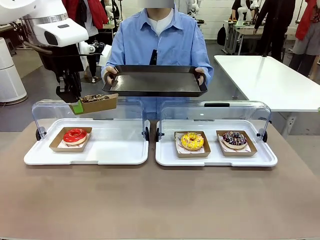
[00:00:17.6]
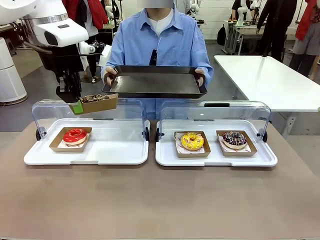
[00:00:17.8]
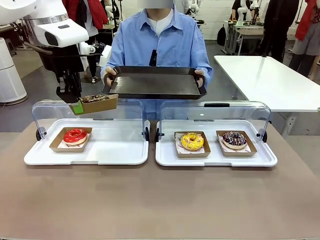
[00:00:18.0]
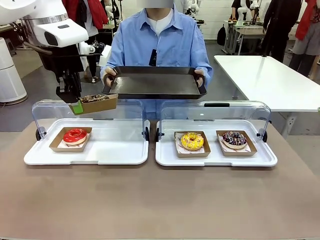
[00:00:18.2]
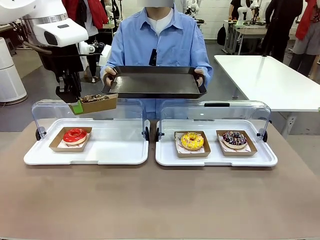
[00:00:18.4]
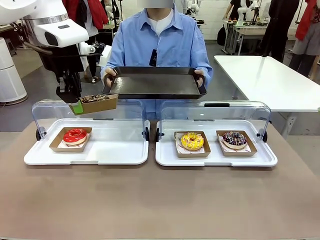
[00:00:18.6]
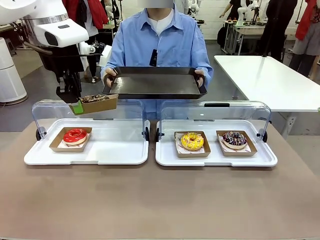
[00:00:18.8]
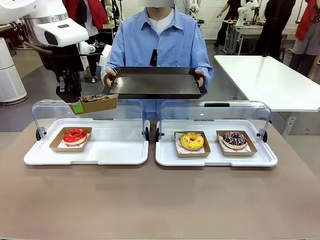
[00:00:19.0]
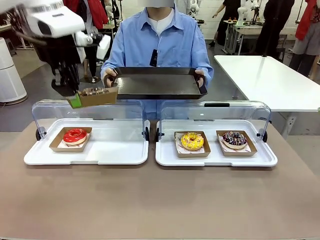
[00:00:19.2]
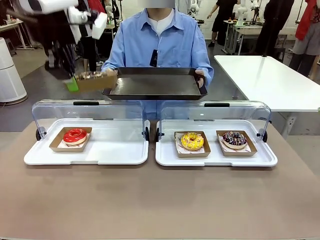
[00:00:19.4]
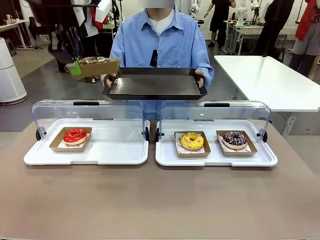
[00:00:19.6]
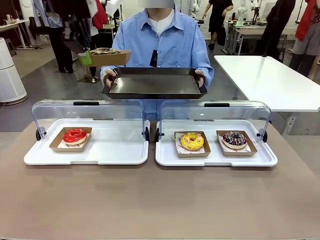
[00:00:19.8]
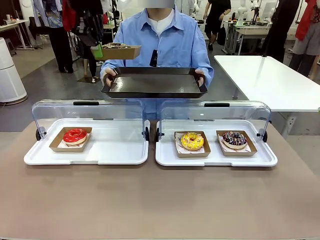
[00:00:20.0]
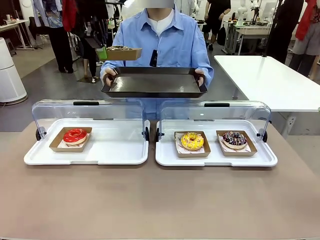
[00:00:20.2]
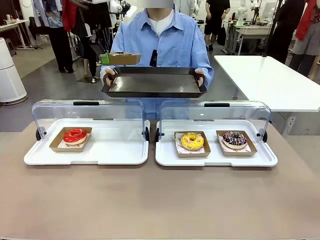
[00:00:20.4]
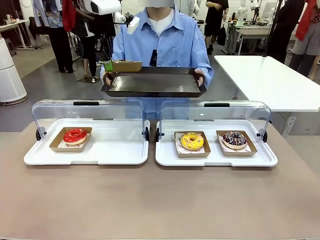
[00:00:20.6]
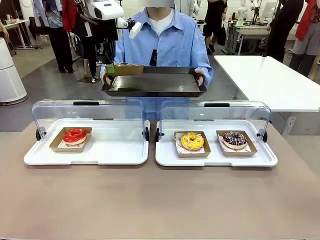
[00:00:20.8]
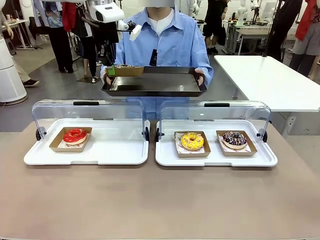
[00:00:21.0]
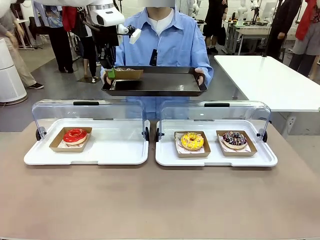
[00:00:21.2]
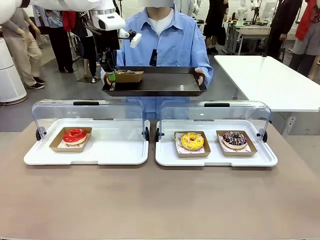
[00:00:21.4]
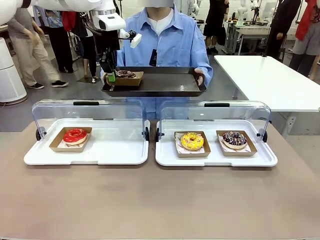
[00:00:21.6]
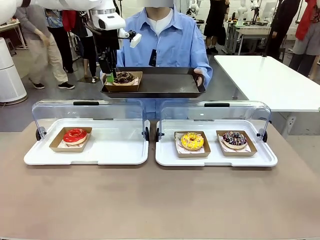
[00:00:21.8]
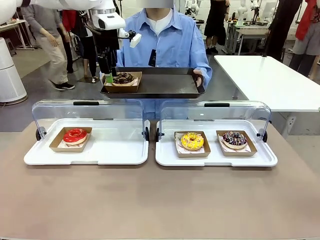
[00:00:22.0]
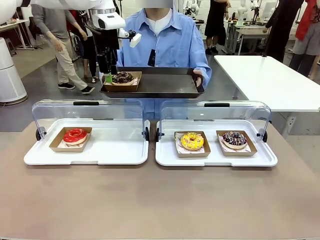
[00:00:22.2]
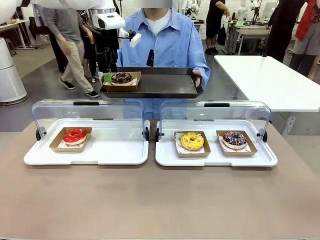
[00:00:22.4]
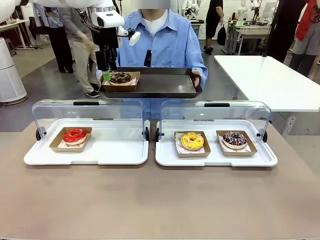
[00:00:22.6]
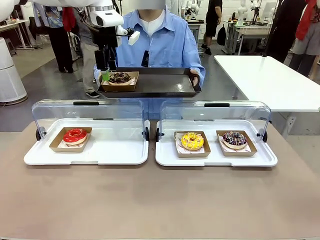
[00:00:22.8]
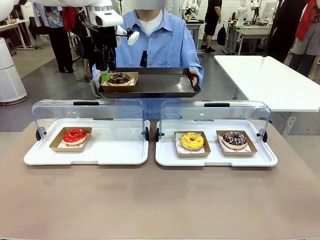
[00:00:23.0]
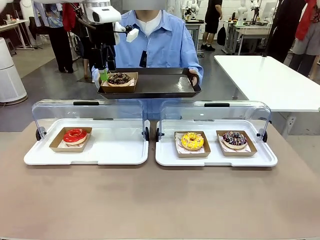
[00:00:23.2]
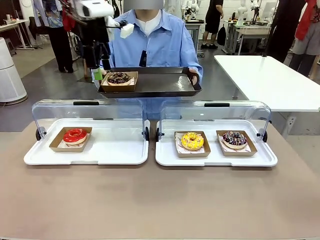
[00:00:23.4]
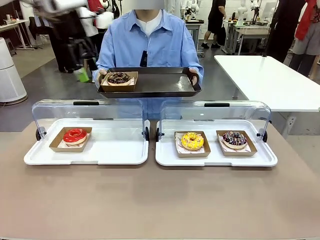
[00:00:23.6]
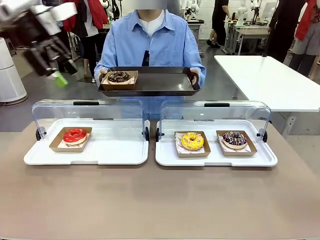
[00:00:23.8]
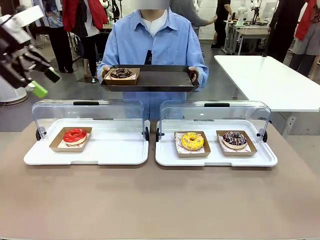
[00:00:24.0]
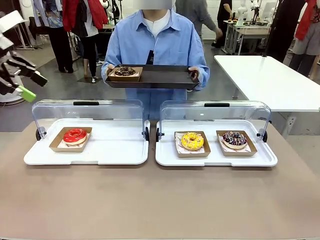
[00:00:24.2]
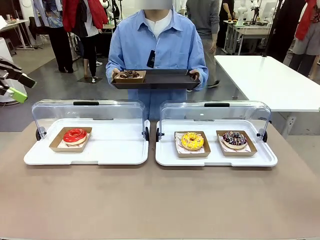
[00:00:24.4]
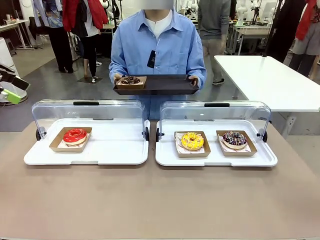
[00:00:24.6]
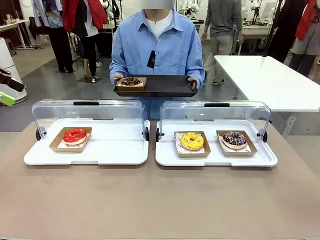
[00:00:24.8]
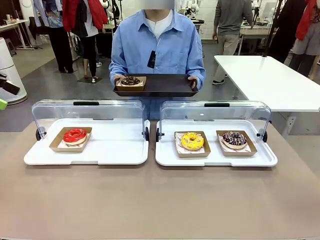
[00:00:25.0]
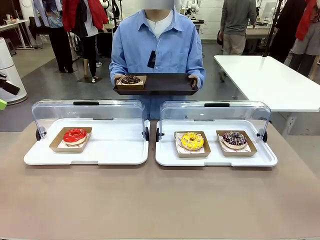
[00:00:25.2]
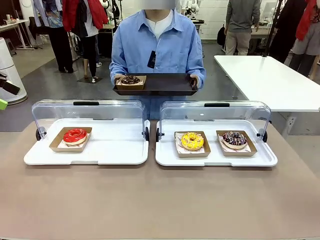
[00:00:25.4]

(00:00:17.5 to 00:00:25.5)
Task: Provide the desired donut to the person.
Robot: Place the picked Paper togo box onto the Handle tray extended by the person.

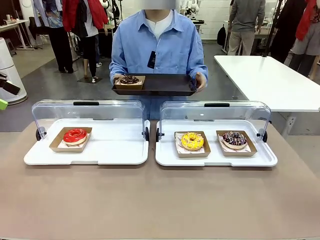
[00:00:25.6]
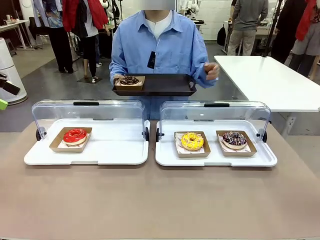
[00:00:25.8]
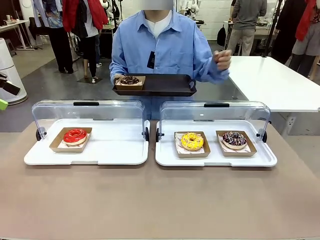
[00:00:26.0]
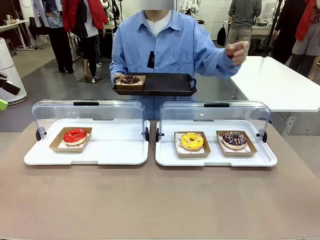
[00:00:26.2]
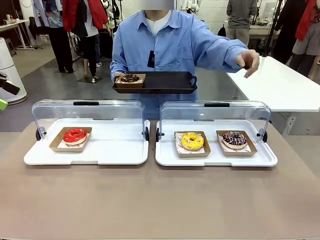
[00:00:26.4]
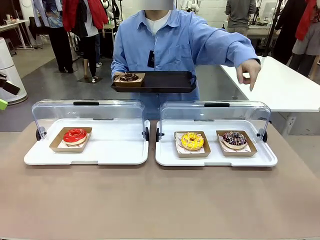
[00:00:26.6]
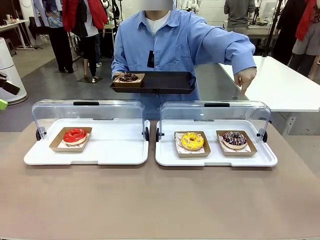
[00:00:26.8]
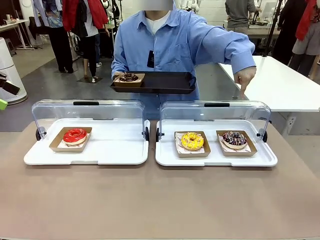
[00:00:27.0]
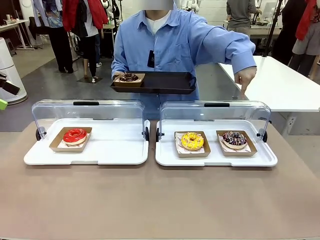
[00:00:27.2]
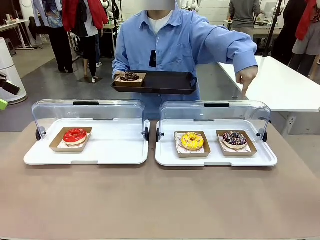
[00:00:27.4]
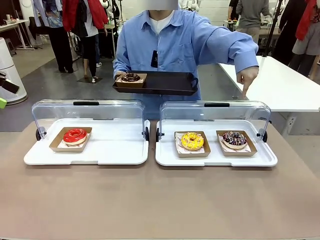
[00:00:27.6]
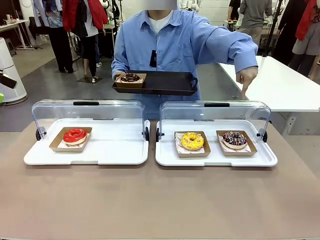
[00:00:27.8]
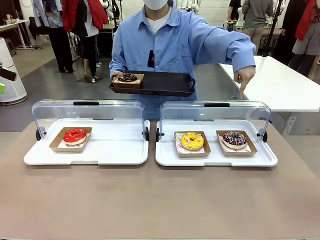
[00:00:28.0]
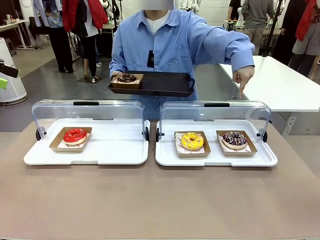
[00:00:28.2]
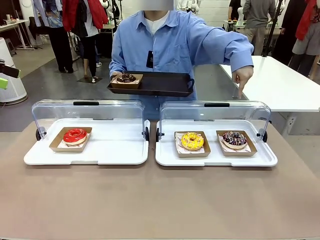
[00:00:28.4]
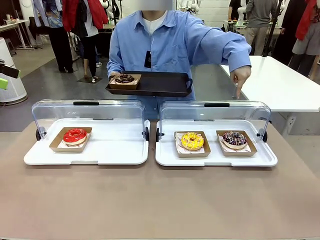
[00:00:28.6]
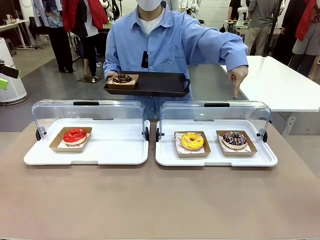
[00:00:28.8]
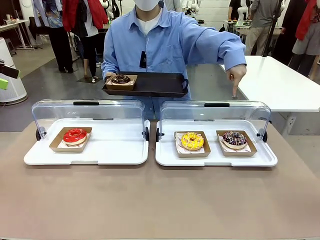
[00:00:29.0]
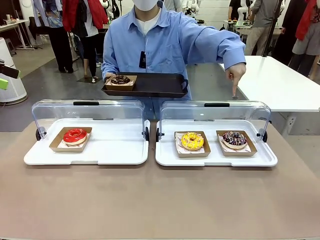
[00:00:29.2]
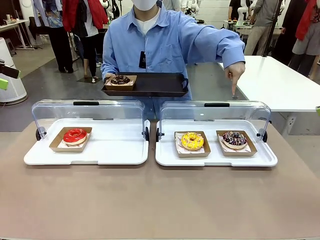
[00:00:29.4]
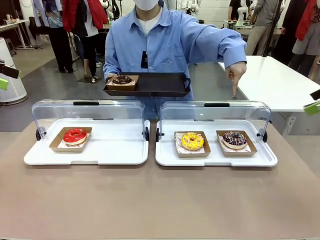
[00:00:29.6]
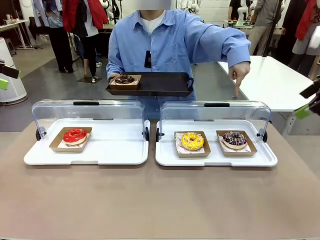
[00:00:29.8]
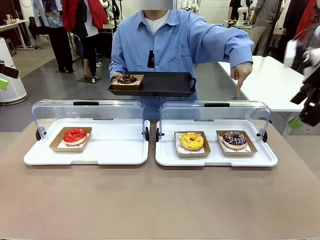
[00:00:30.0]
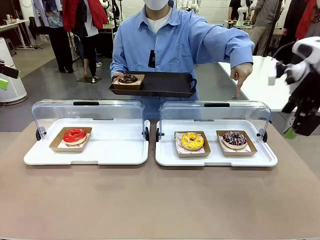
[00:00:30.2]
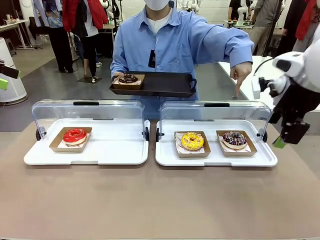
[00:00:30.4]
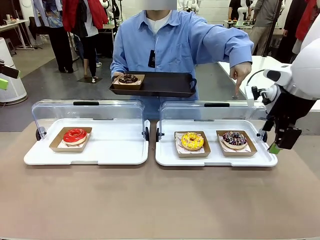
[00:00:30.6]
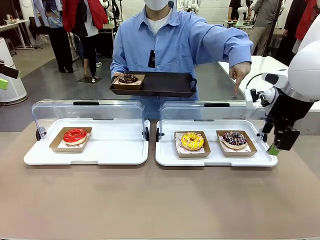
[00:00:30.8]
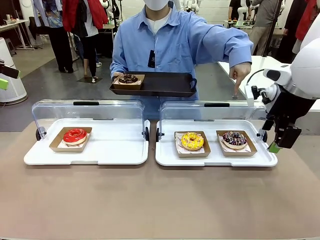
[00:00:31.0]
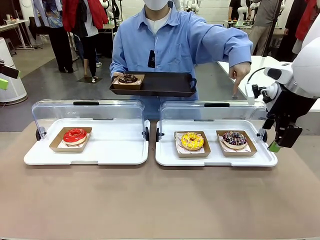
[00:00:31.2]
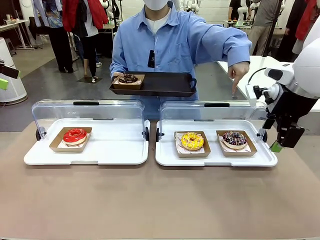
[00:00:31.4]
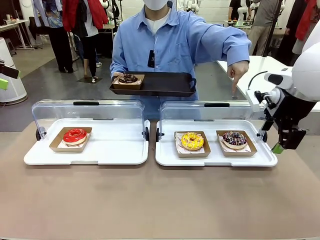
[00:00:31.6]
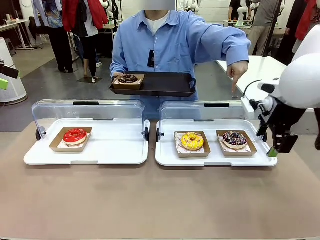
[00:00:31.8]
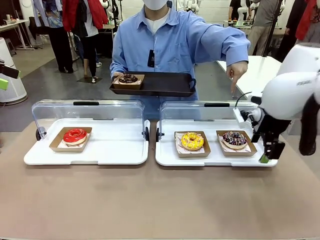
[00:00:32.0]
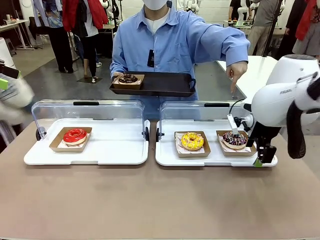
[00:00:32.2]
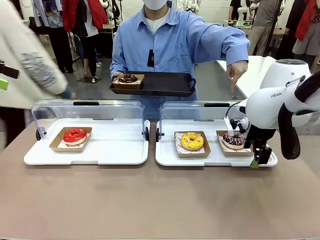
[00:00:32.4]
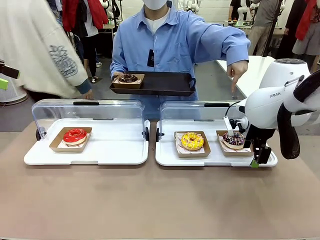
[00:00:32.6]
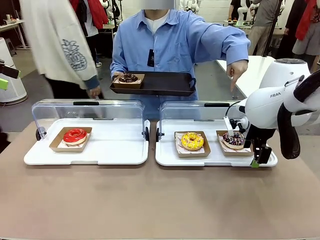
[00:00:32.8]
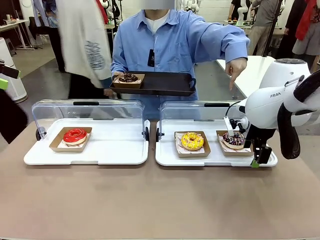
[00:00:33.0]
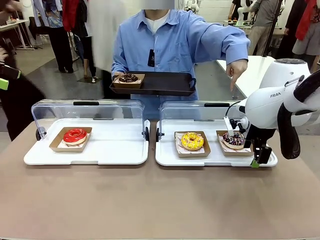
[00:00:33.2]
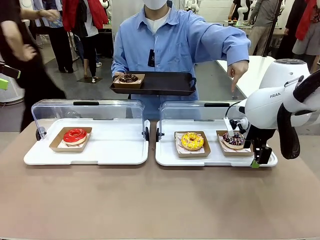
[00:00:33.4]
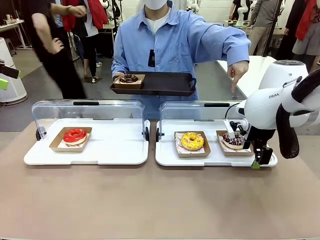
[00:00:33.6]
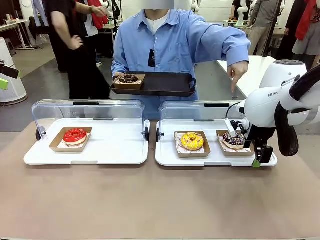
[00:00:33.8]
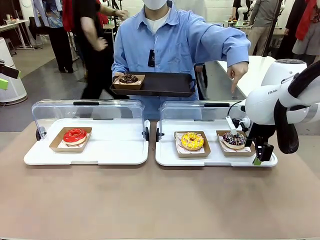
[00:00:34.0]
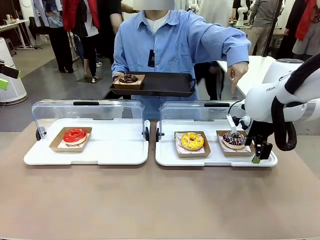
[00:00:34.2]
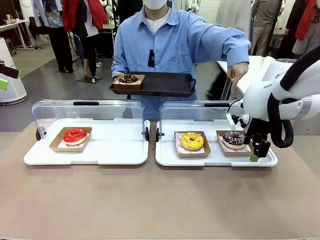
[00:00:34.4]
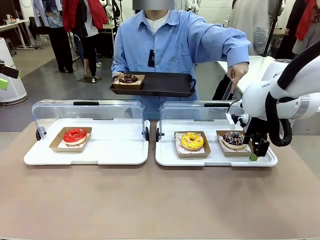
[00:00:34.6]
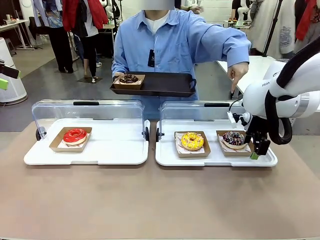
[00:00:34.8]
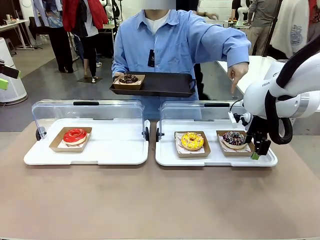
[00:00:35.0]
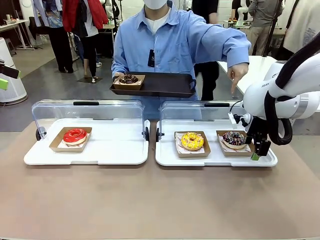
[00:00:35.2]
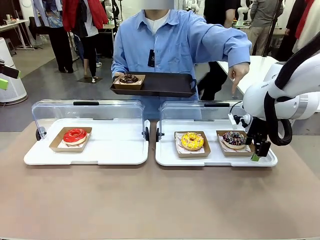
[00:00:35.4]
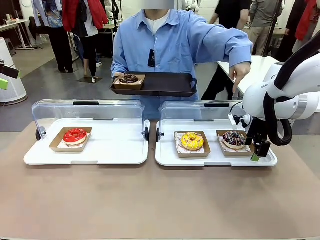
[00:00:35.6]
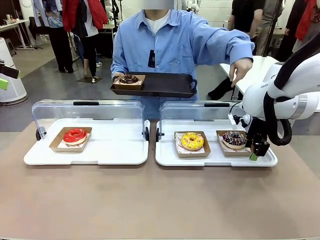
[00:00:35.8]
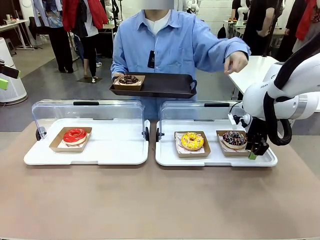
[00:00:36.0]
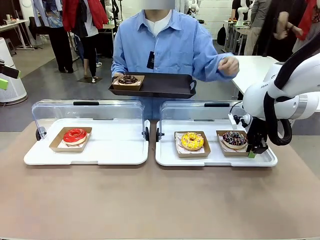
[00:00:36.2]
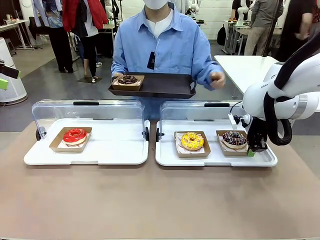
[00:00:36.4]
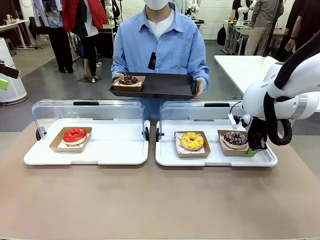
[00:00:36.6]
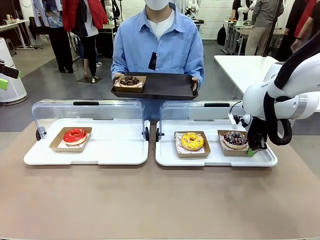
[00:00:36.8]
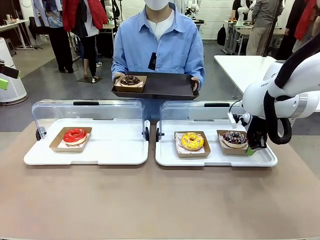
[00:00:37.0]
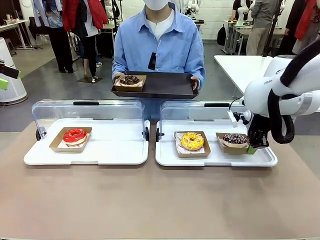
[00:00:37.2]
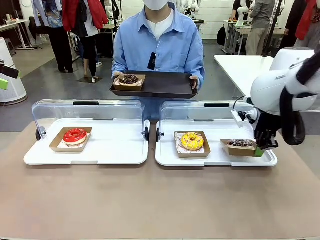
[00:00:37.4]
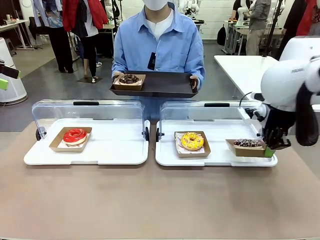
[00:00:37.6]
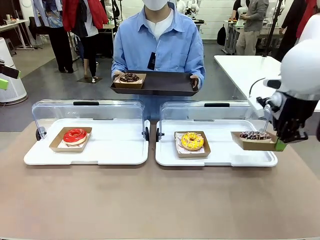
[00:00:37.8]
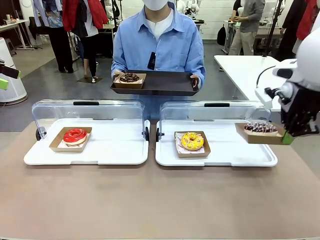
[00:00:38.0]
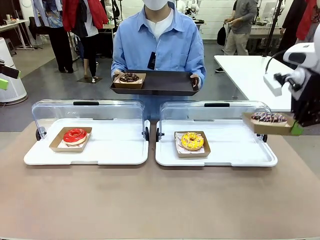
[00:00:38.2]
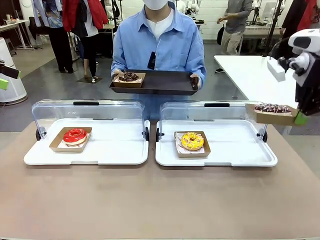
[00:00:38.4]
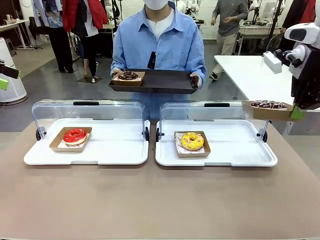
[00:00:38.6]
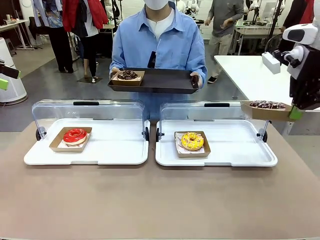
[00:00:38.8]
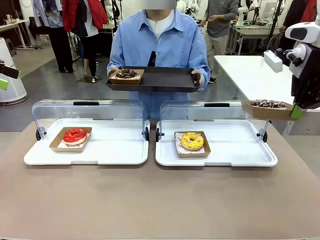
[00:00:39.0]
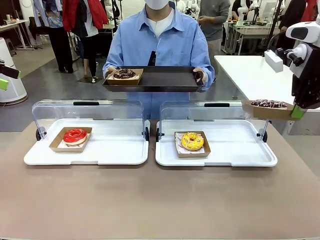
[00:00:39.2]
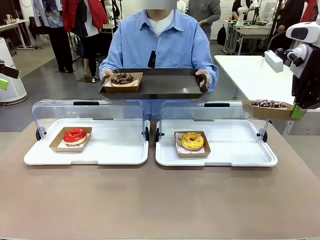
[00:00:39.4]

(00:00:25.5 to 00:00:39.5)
Robot: Pick up and lift the Paper togo box containing the Donut pointed at by the person.
Person: Point to one donut. Lift the tray onto the Roll-Top Bakery Case.
